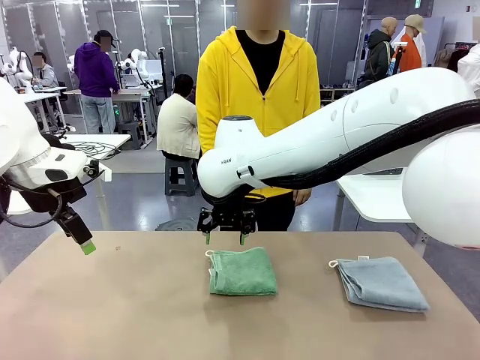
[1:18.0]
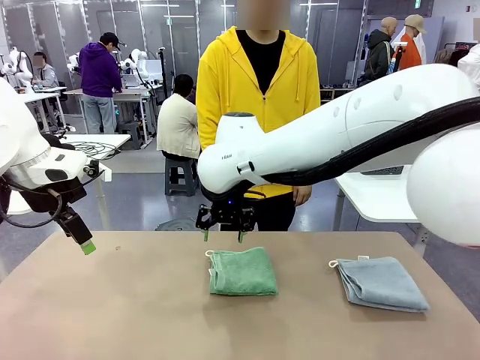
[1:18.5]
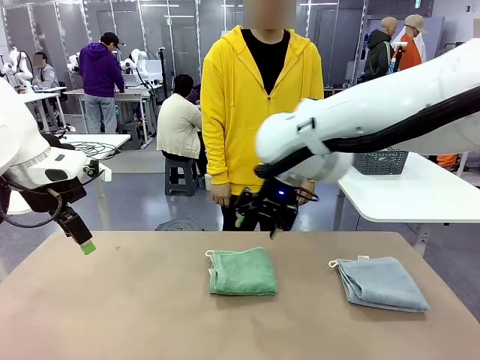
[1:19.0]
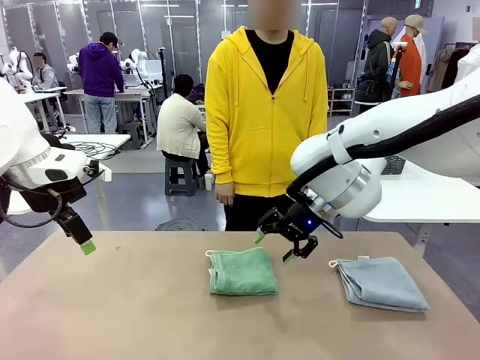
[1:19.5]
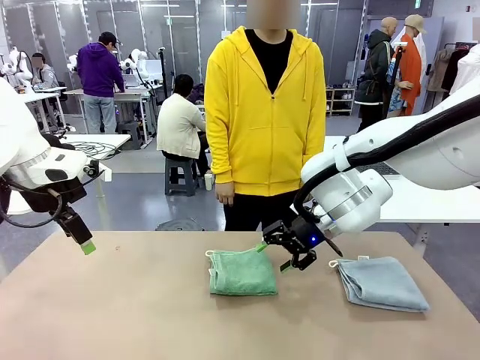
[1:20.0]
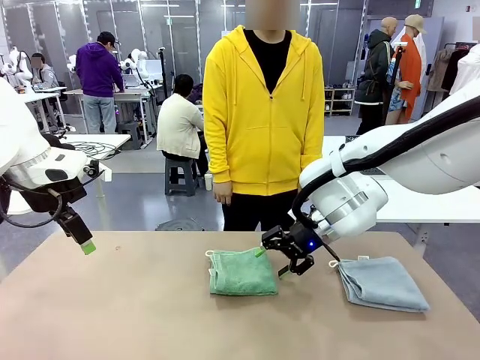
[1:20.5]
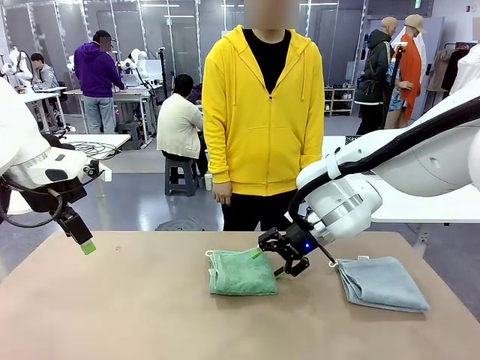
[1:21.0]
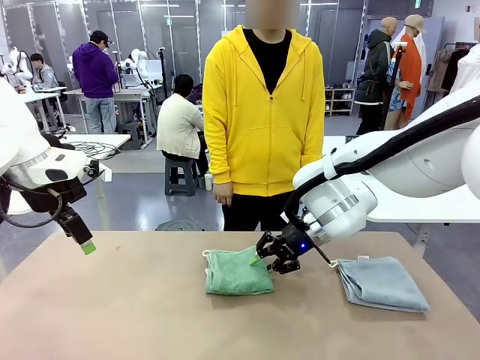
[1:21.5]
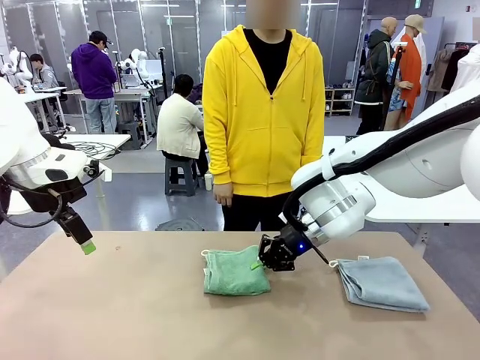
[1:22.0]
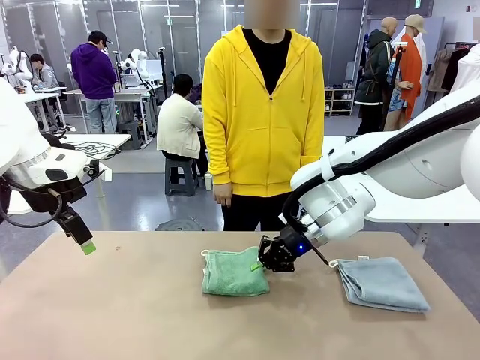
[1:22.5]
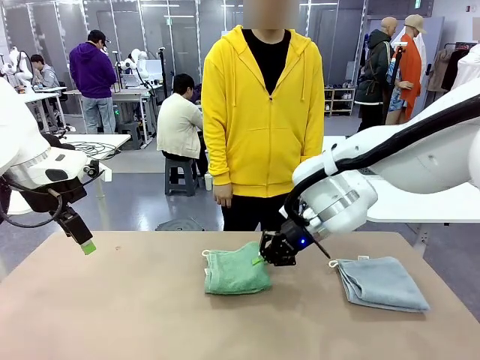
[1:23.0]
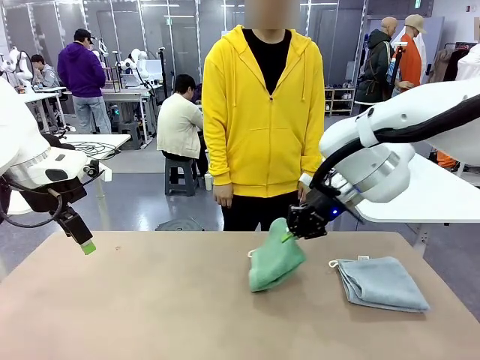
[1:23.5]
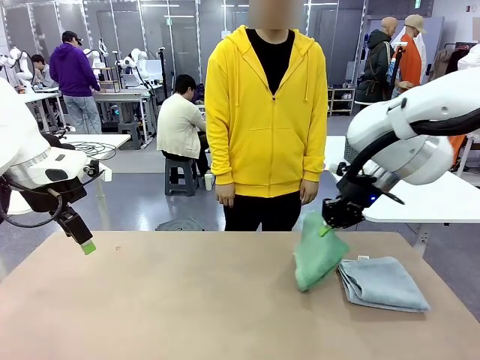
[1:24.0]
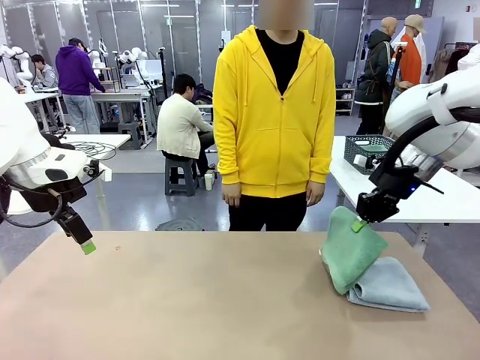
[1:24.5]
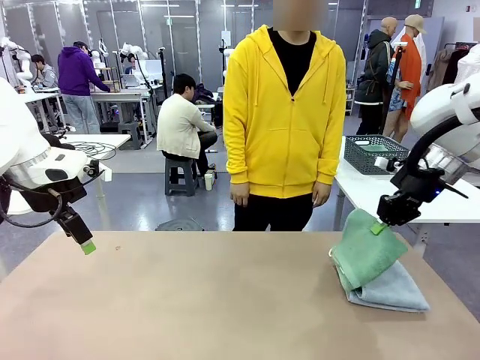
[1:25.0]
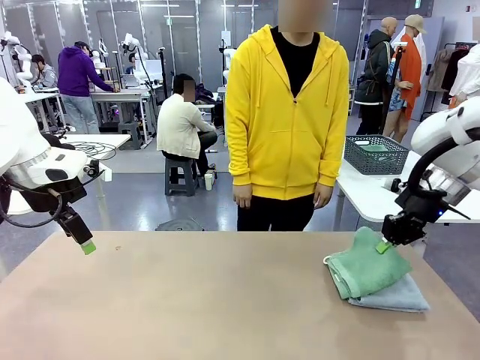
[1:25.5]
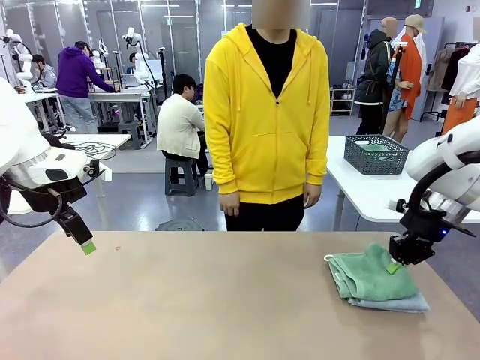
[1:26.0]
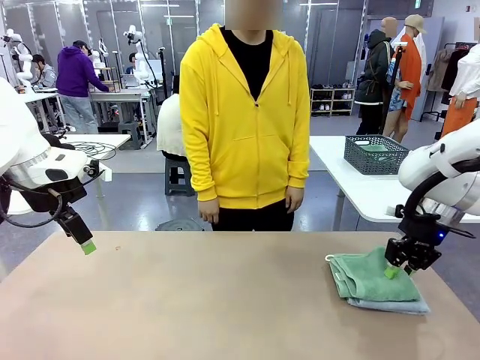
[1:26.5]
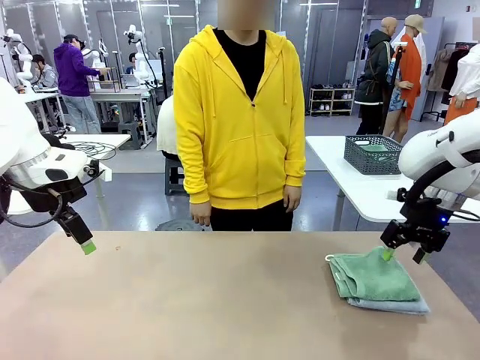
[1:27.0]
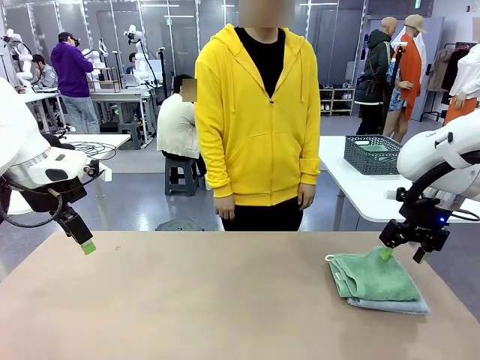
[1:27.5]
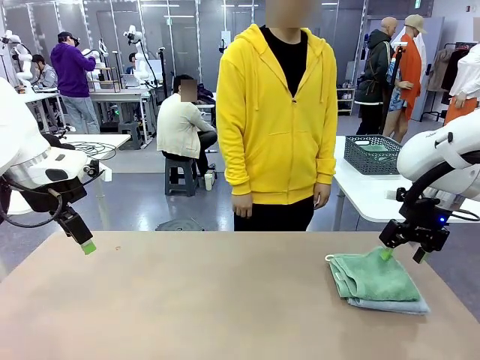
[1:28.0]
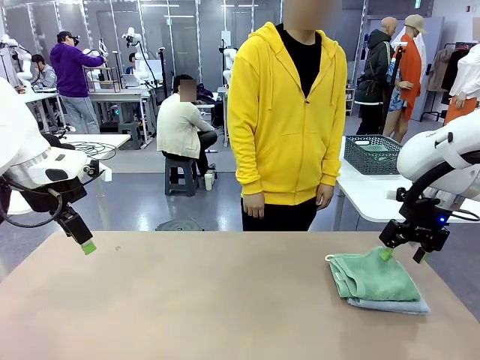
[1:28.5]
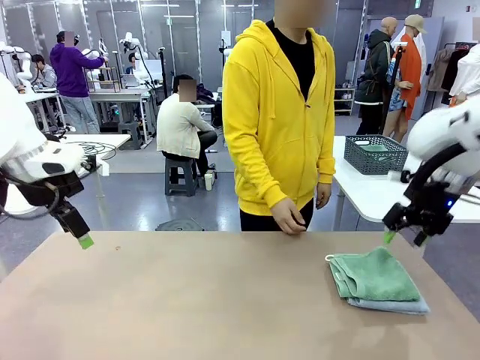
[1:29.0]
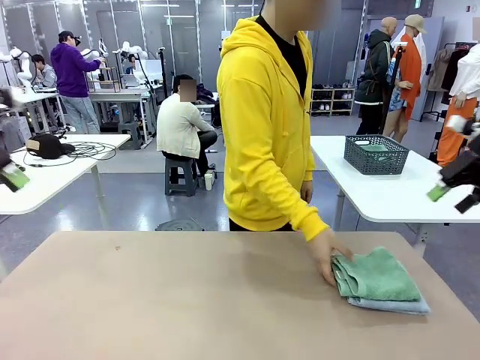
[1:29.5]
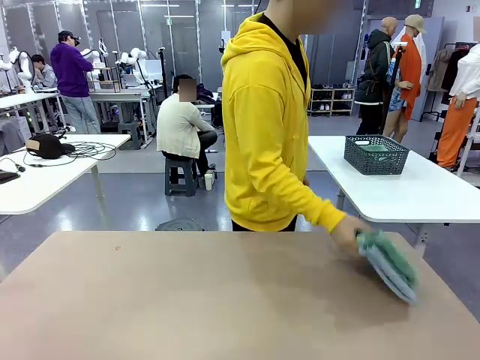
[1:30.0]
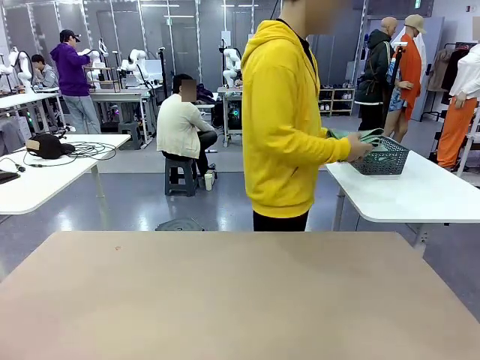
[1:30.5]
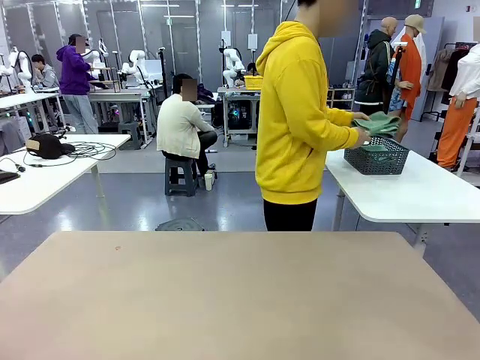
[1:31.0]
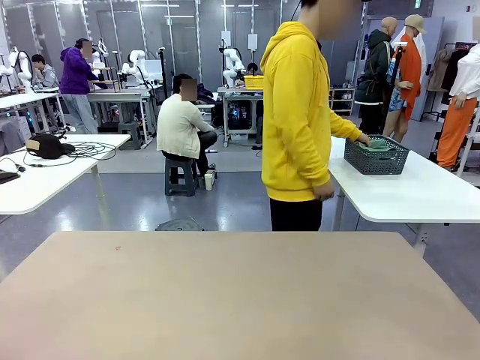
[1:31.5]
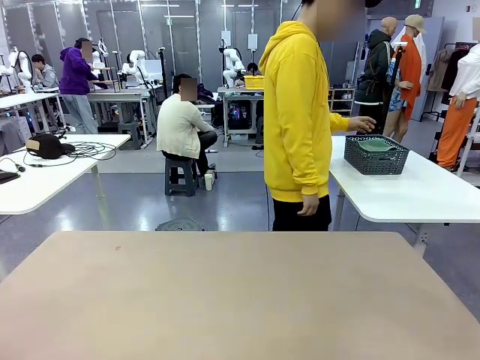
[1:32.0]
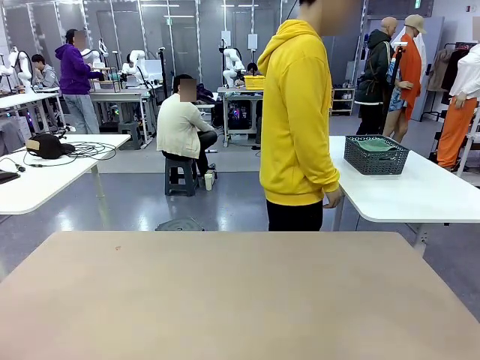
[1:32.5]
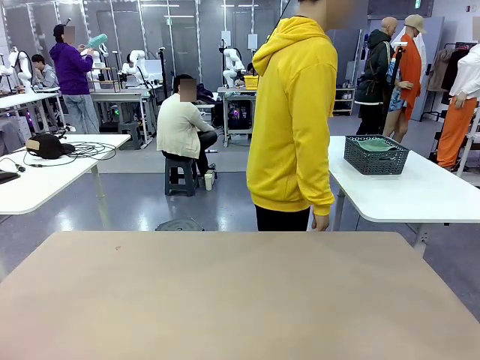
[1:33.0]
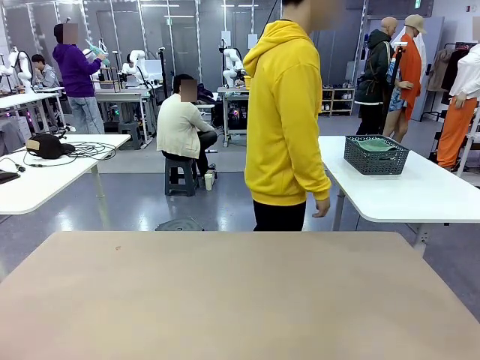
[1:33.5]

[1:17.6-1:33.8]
Task: Fold the towels and place them in the basket.
Robot: Stack the folded Towel with hook on the right side of the table.
Person: Pick up the stack of towels from the robot table and place it into the basket.

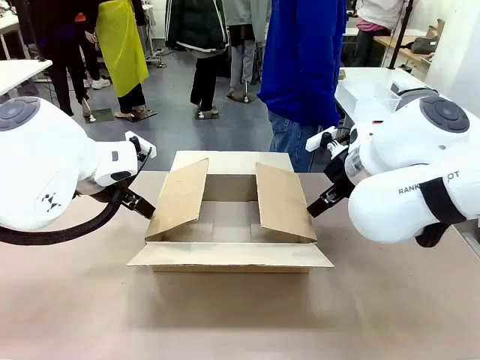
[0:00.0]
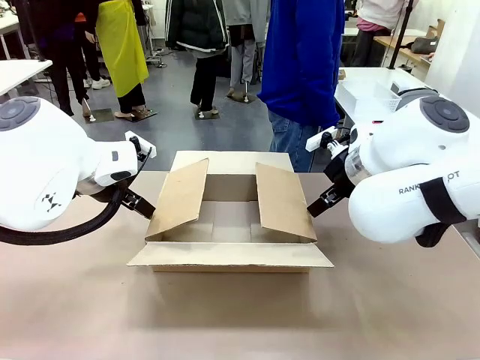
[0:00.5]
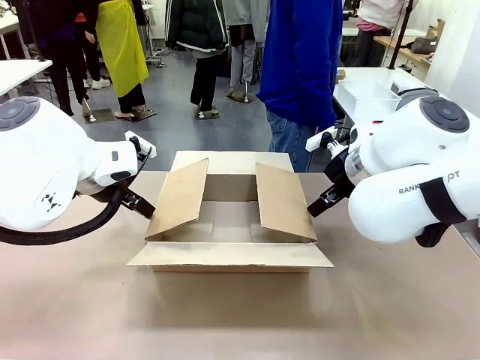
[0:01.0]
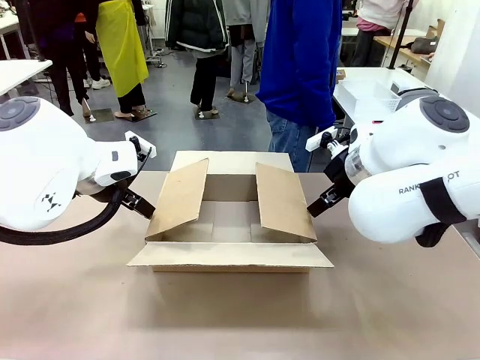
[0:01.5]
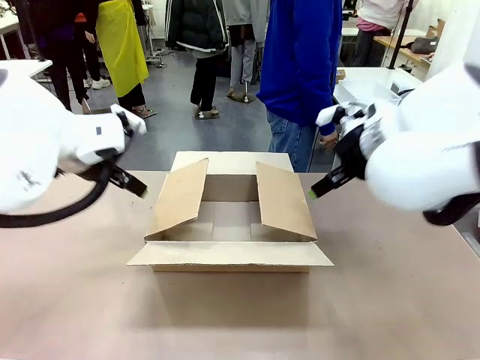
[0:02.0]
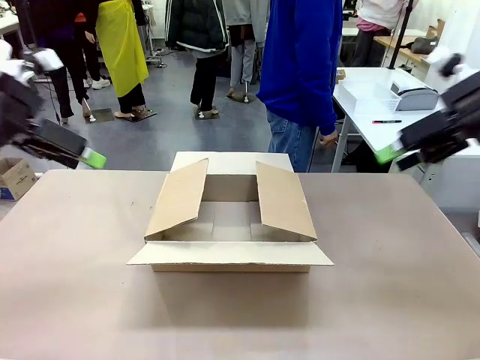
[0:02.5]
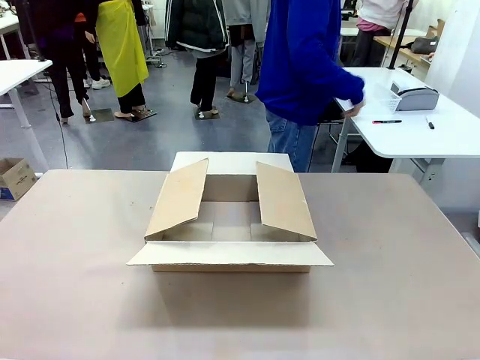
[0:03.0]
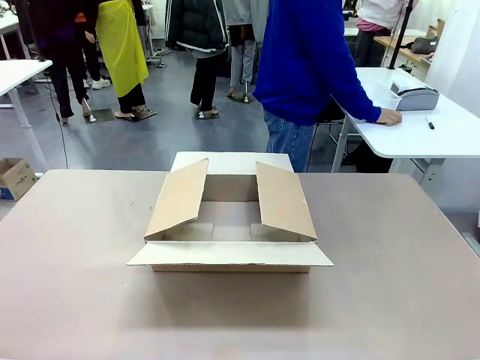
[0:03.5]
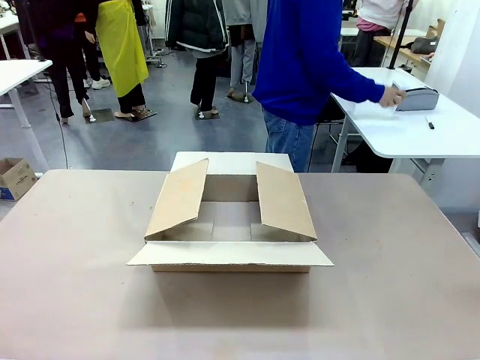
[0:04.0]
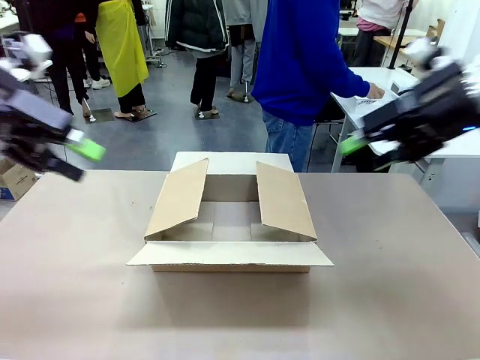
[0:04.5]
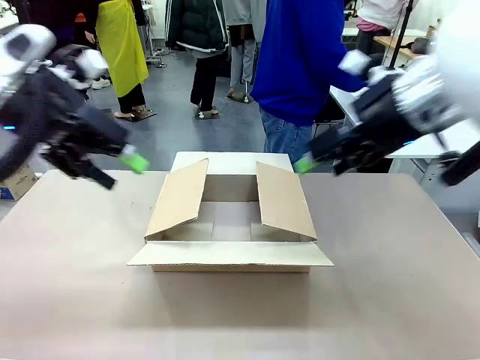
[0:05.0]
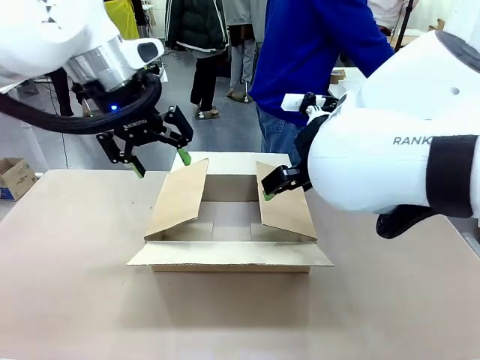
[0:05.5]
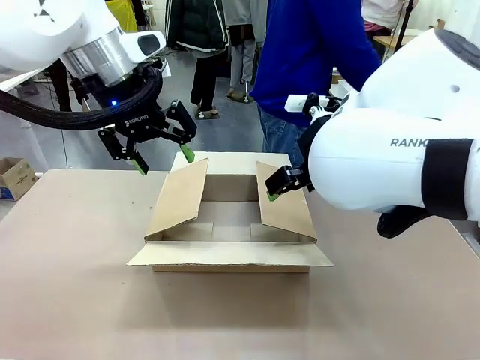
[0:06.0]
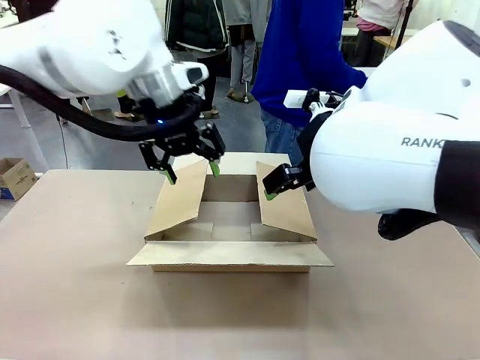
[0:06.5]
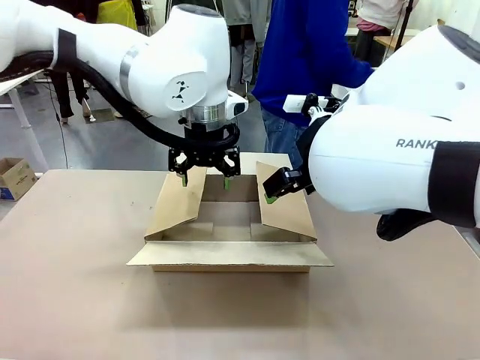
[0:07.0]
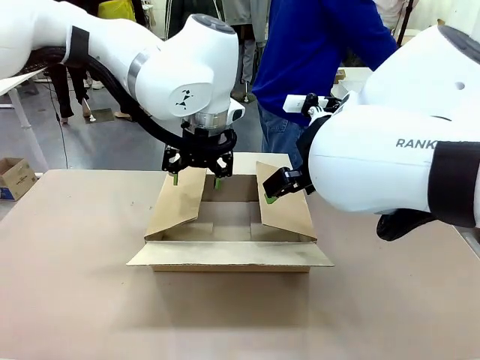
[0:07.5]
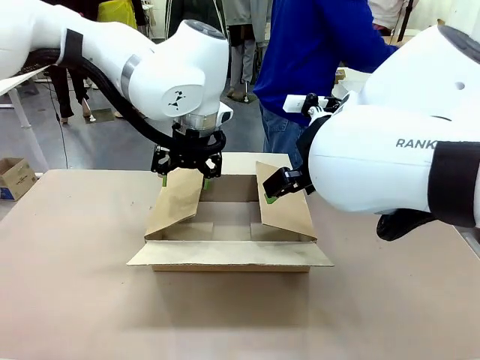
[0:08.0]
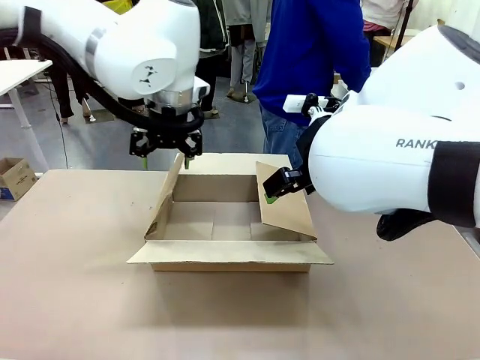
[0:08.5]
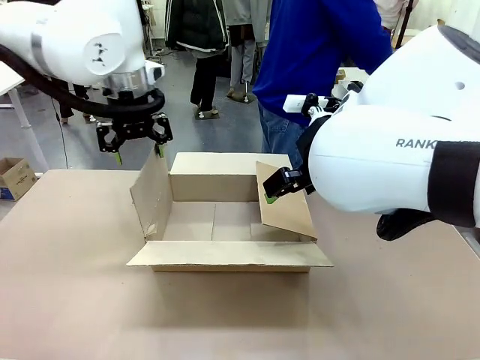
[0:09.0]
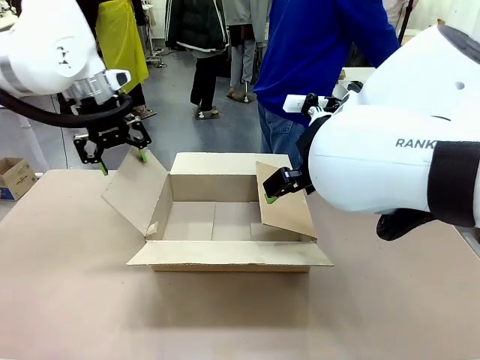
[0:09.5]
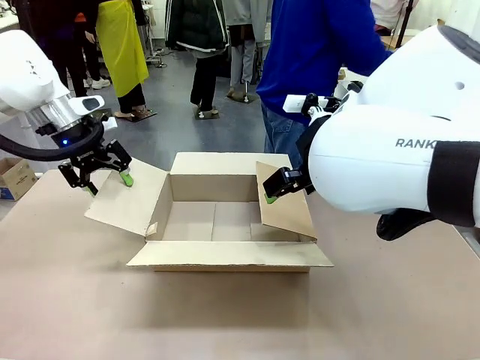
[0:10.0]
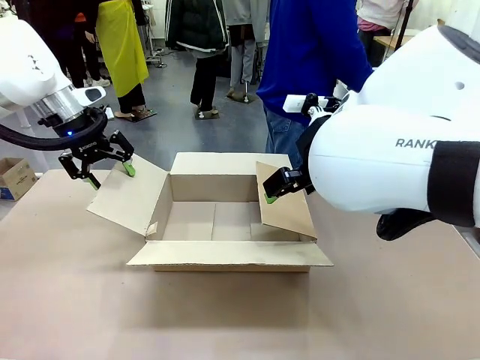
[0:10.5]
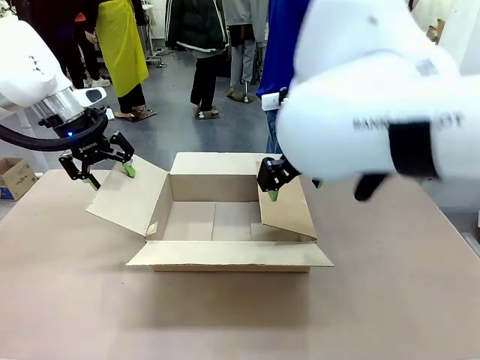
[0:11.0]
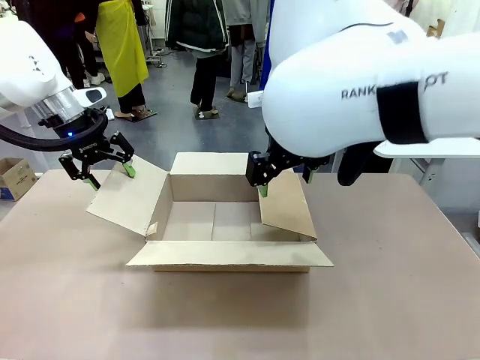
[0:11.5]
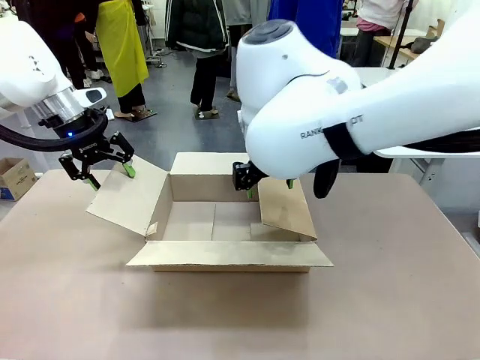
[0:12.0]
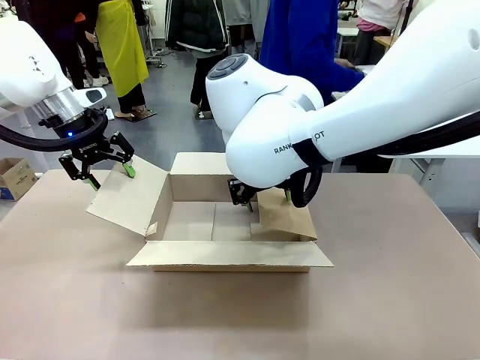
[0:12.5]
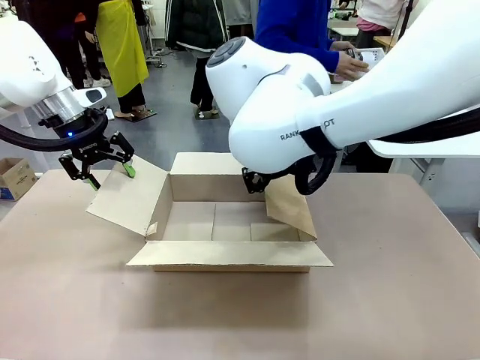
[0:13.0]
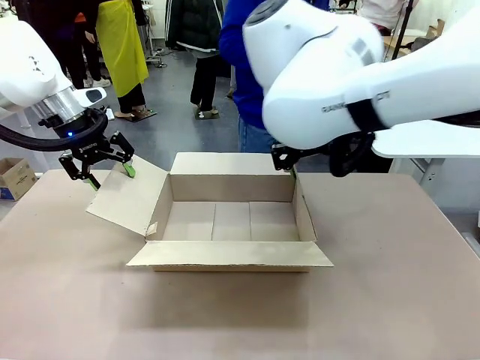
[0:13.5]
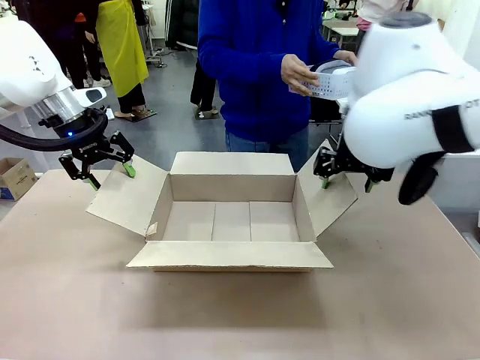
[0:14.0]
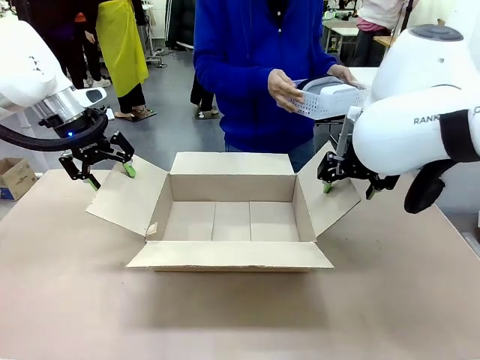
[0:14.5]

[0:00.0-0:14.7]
Task: Pack the gift set into the box.
Robot: Place both hands on the side flaps of the Package Box and spread them outward.
Person: The human places all items except the paper tape into the organizing basket.
